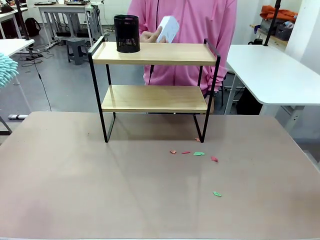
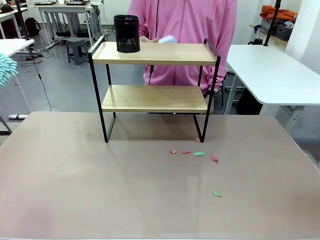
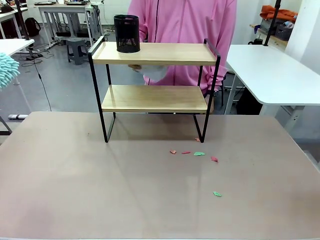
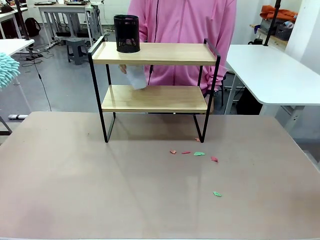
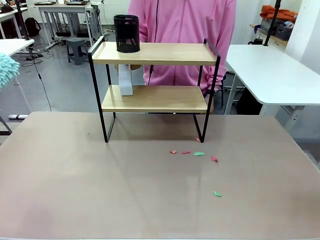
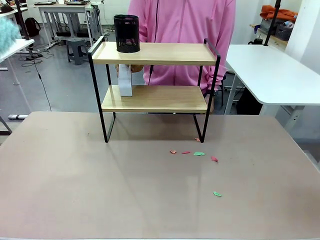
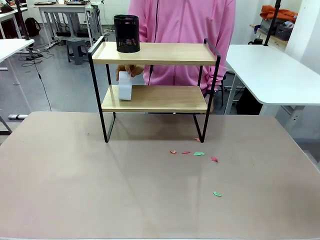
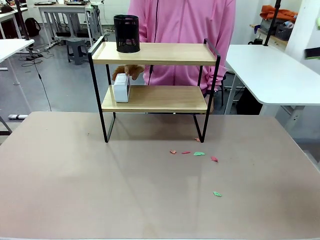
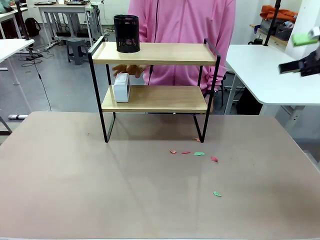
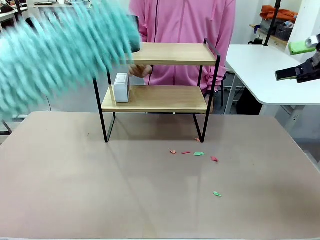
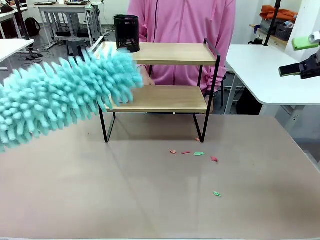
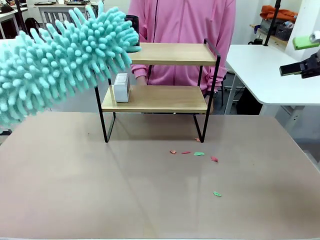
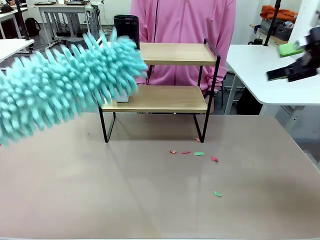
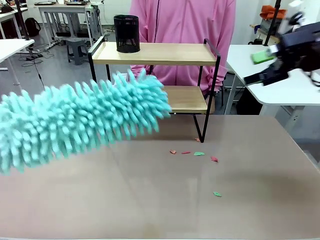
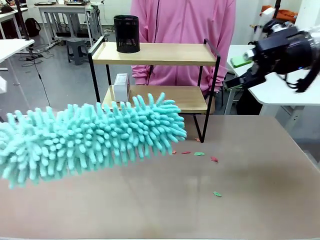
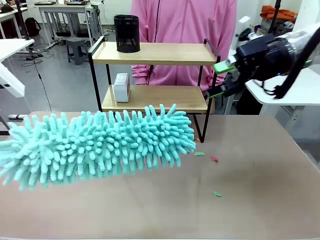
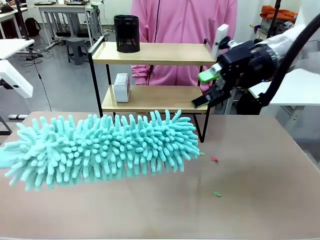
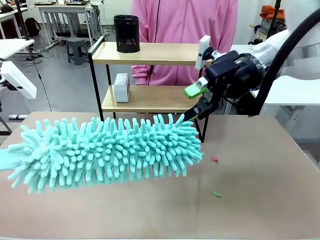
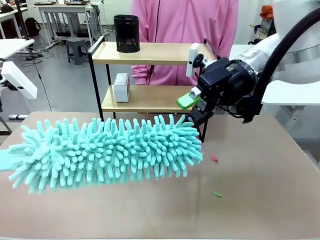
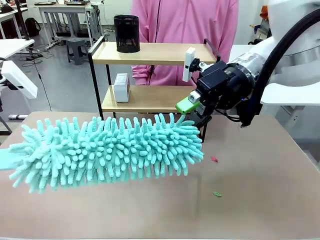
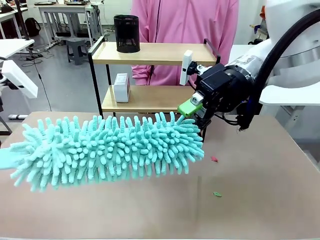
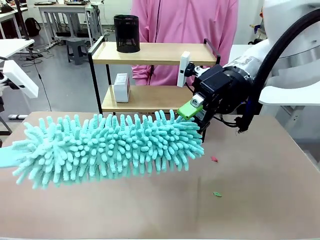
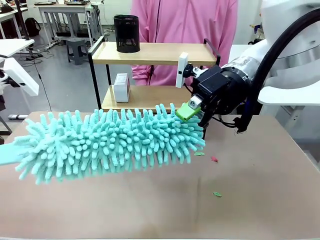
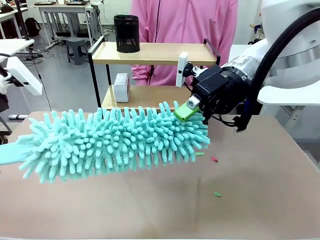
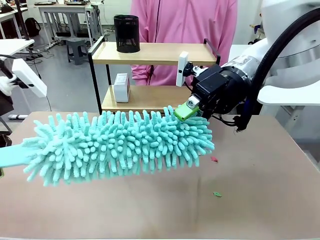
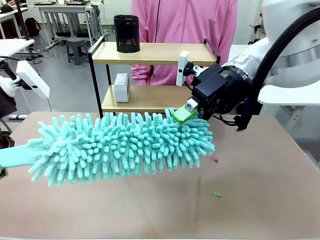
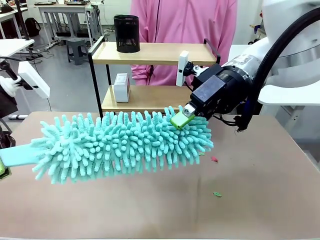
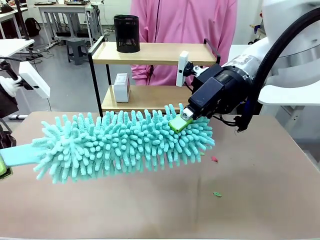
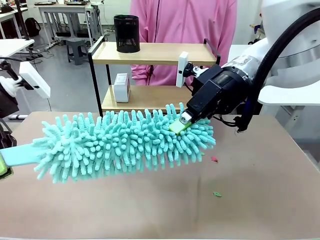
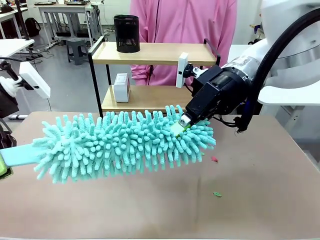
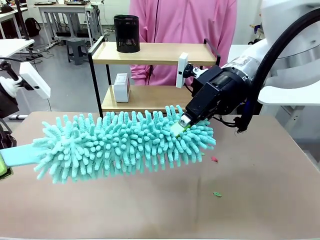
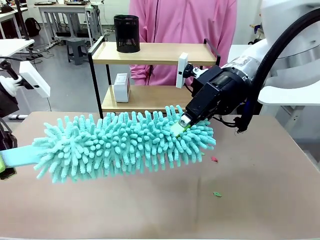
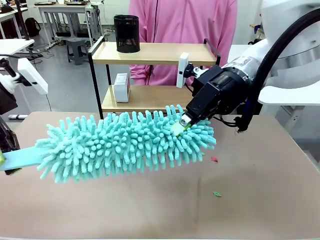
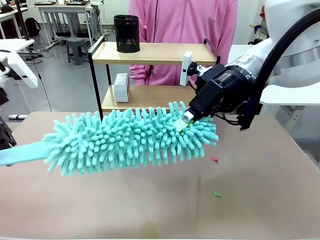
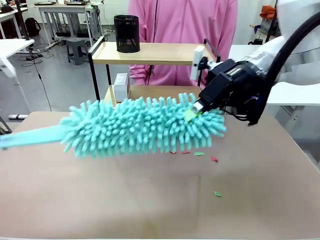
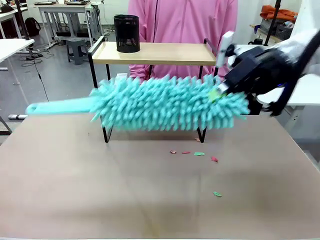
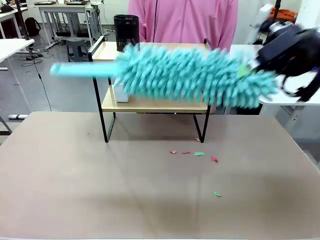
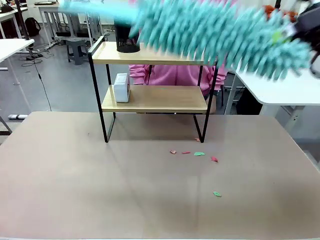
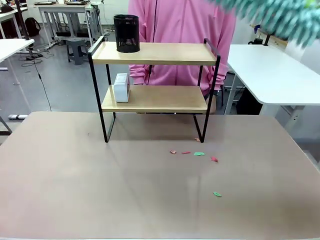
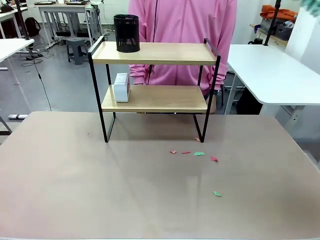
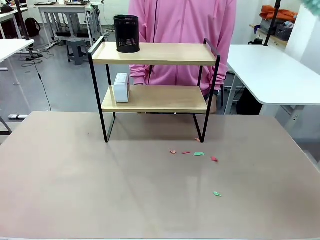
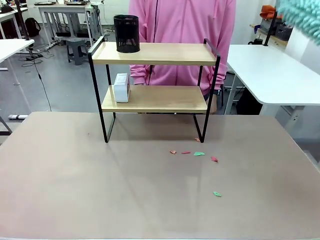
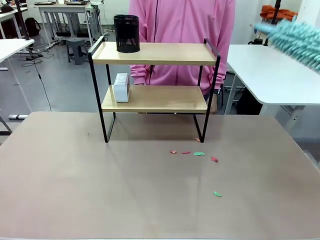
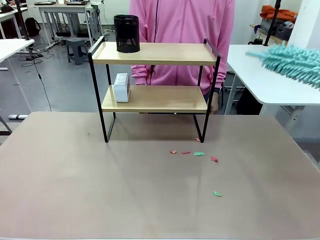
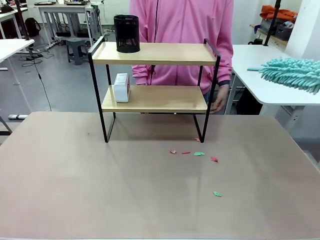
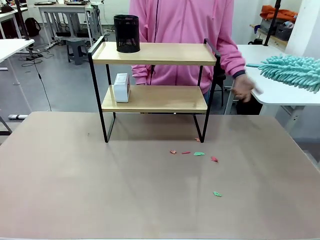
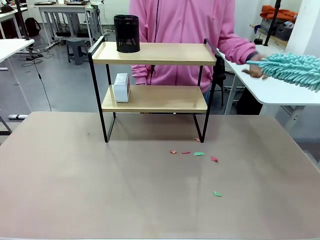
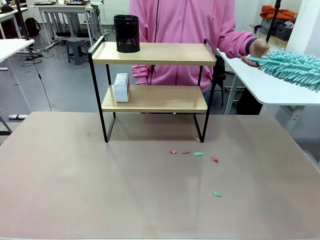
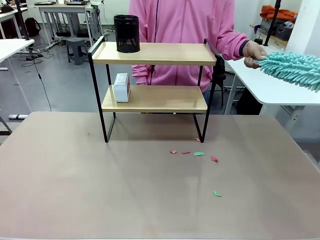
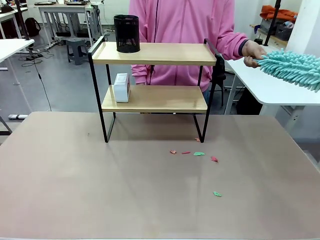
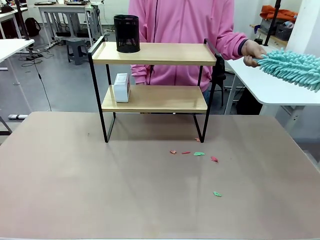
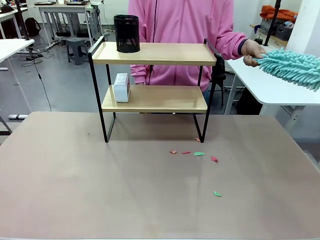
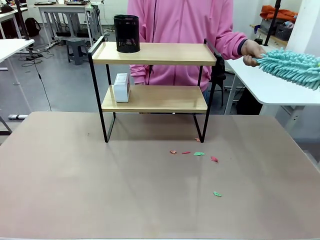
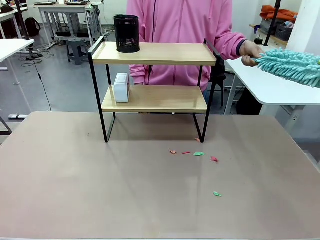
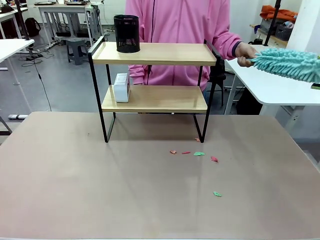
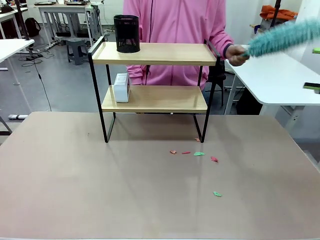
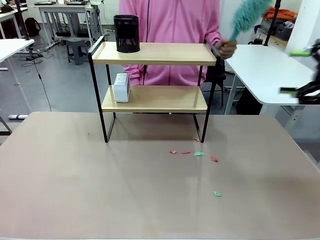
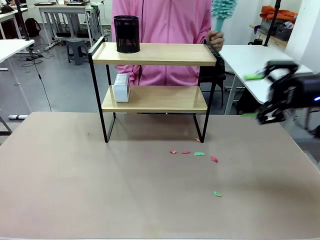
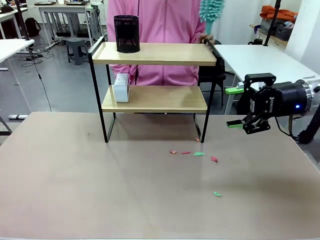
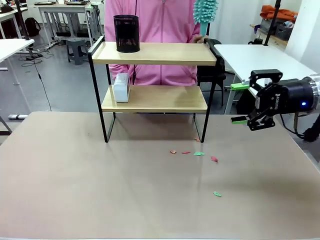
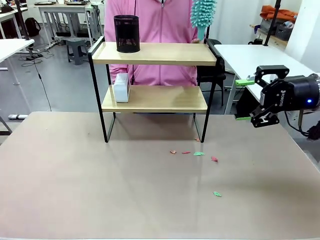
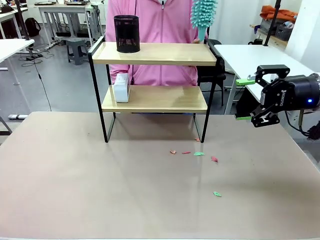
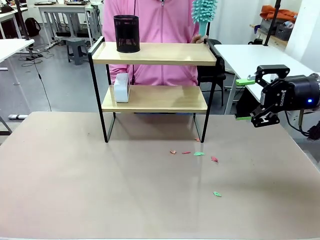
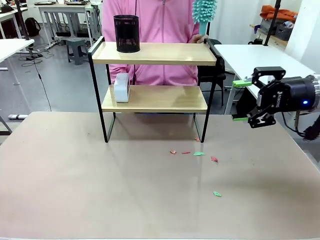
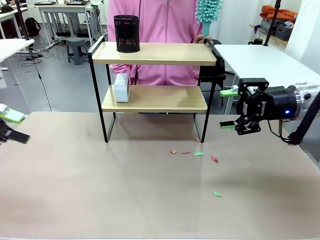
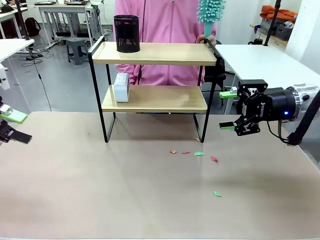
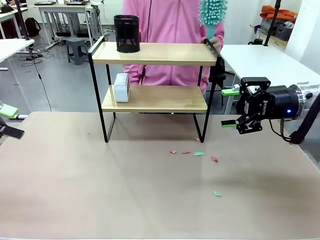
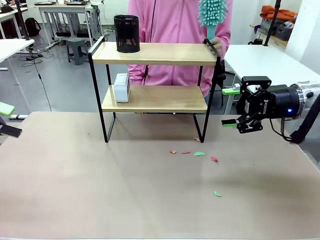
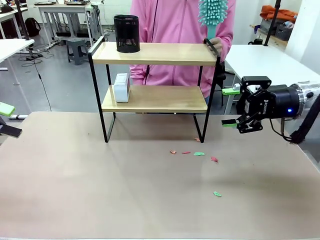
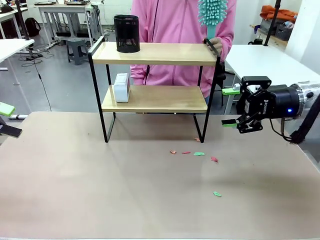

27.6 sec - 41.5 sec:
Task: Clean the shelf.
Robot: Hand the Duster back to the human.
Person: Receive the Duster from the robot.
